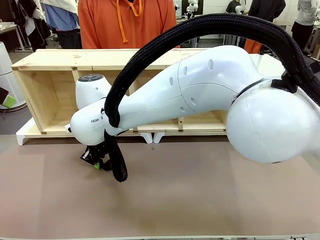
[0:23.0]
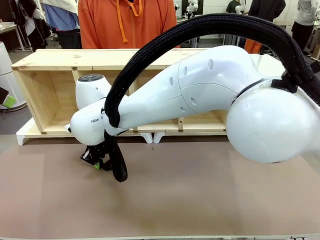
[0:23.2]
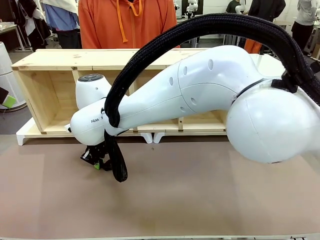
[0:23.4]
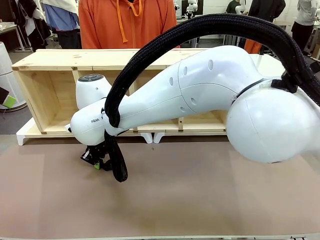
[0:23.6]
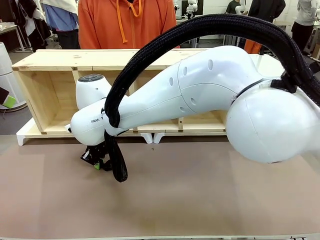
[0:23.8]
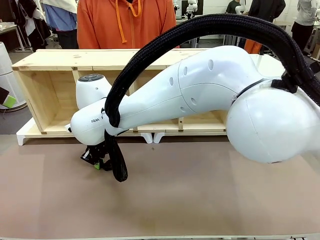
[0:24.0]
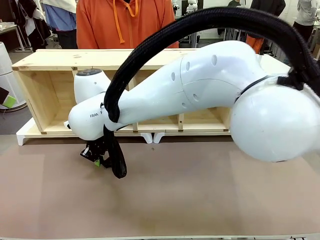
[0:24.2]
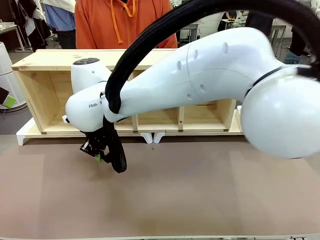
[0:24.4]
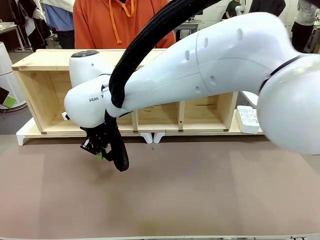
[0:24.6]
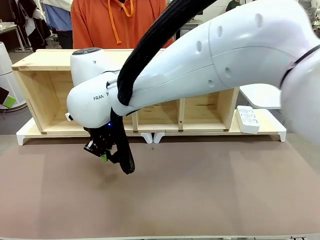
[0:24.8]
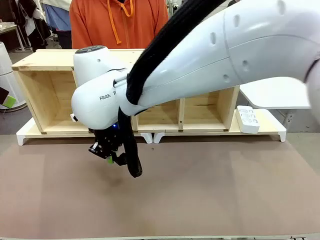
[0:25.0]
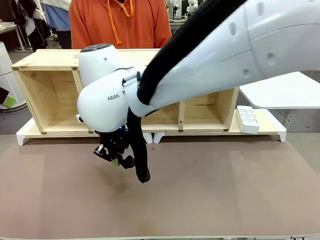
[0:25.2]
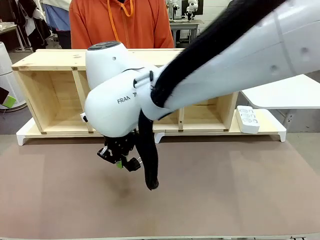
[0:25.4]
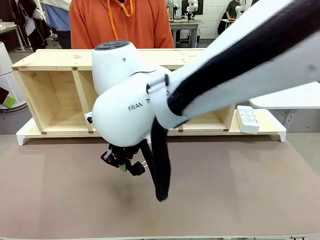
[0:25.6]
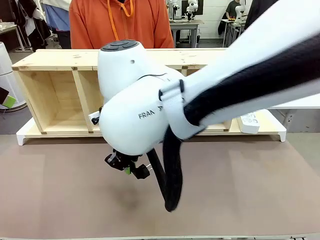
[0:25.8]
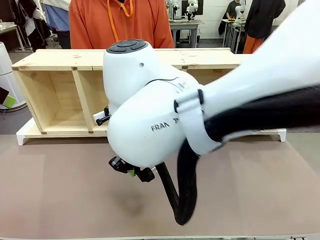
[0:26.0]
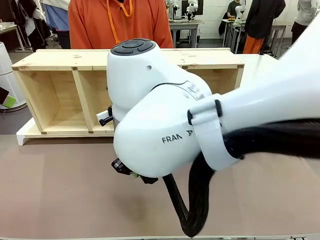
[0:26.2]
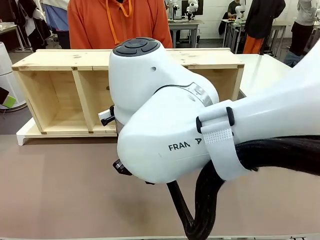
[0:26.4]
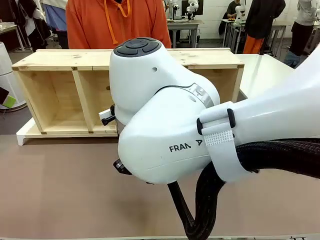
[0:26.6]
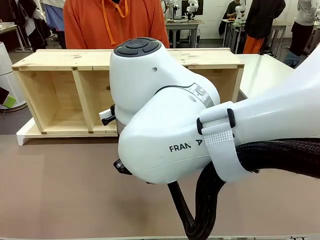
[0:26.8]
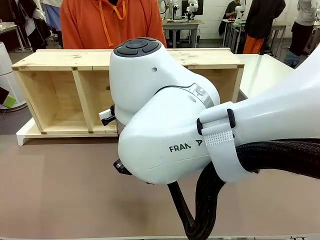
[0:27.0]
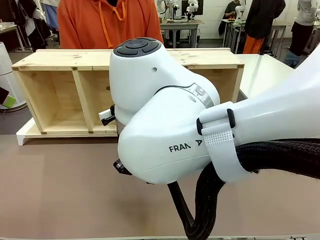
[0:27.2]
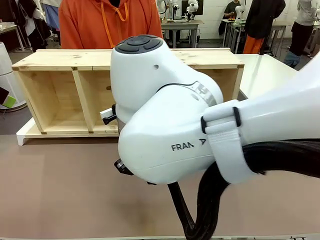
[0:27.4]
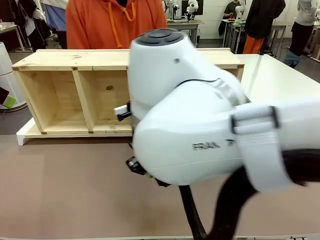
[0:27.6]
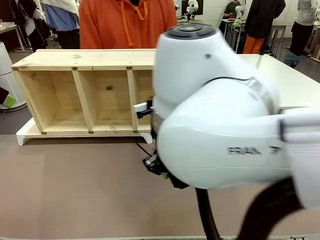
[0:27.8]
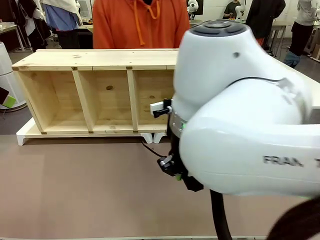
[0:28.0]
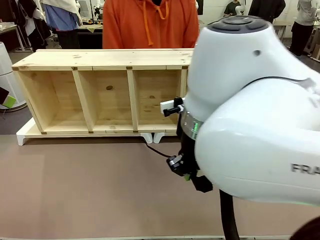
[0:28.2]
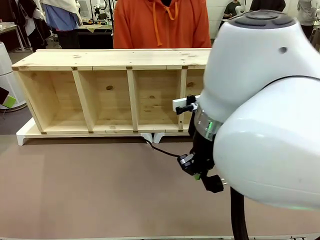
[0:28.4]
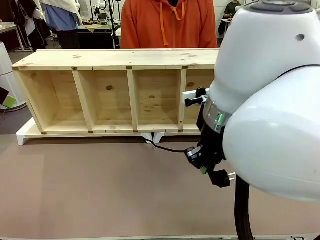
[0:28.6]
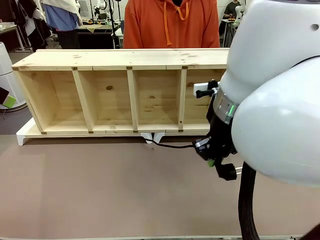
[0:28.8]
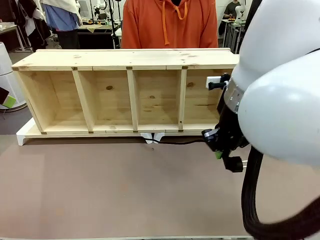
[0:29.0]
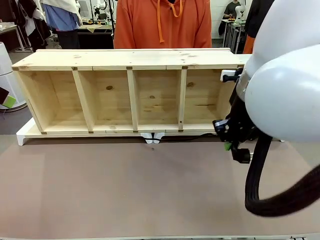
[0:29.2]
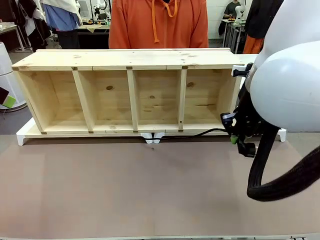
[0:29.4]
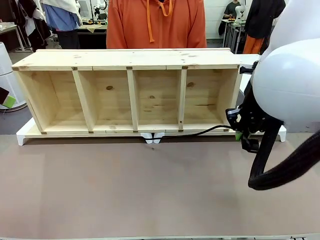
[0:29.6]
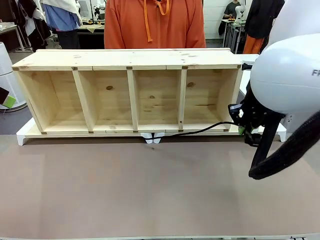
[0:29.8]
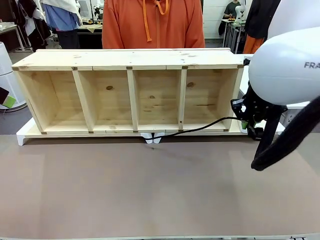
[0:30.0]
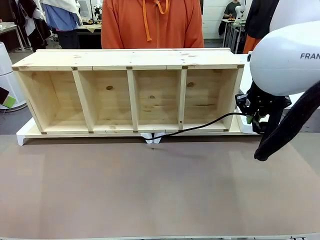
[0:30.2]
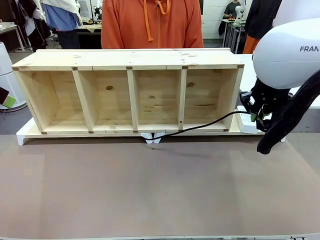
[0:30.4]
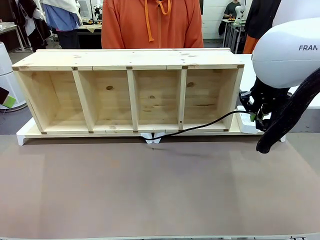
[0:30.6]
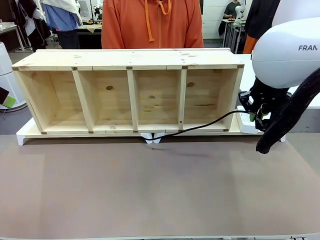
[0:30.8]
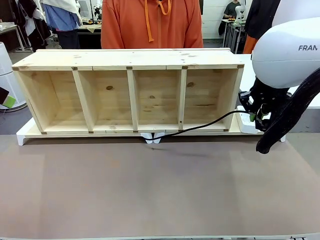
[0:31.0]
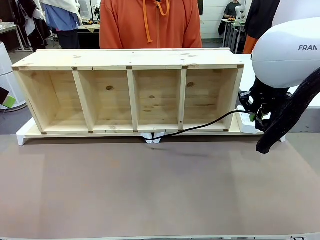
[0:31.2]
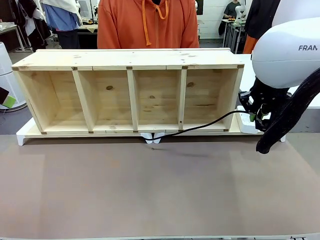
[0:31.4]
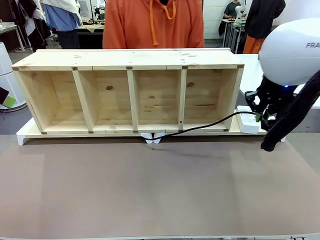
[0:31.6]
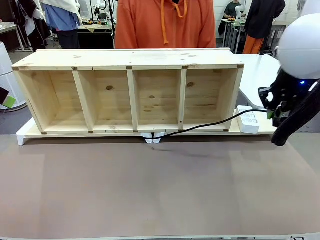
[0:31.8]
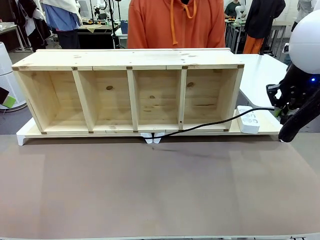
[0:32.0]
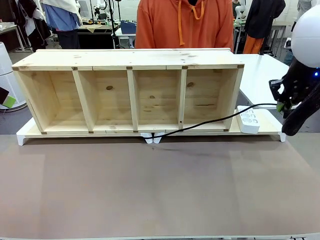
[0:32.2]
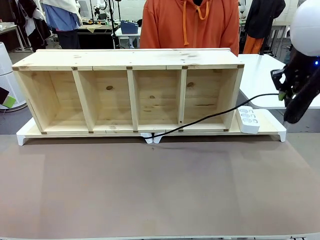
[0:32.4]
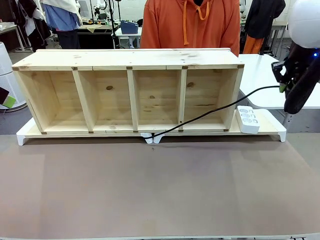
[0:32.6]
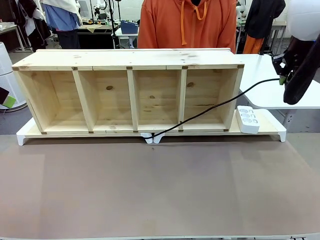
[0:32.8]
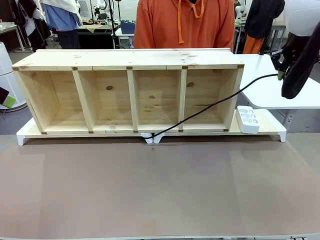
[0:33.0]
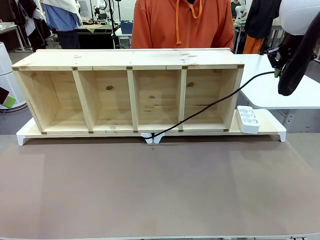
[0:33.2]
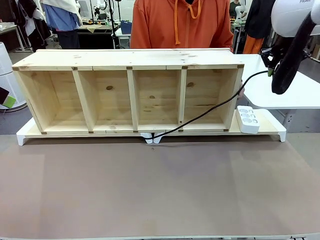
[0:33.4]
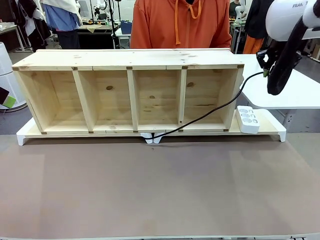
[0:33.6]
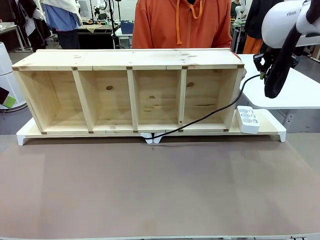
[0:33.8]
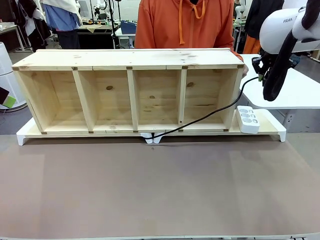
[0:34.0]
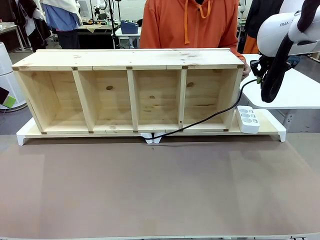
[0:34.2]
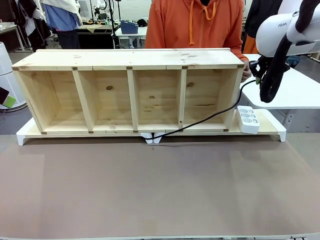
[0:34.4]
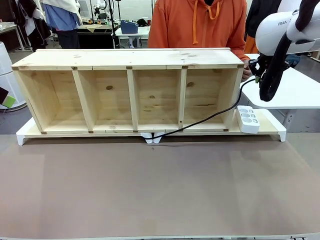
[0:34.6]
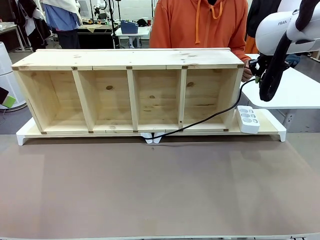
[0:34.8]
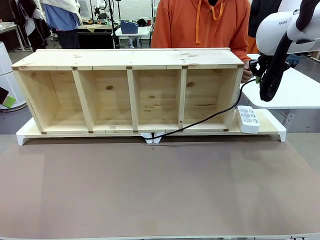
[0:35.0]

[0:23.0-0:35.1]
Task: Perform cable management.
Robot: Pull the grasped Power Cable to the location of the Power Strip.

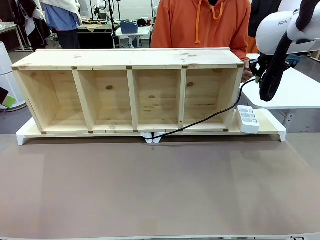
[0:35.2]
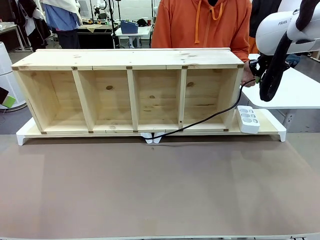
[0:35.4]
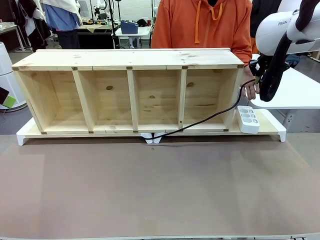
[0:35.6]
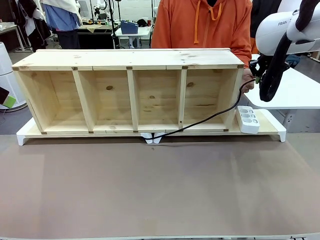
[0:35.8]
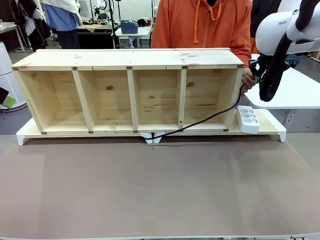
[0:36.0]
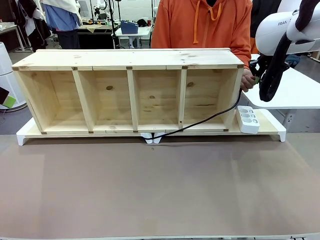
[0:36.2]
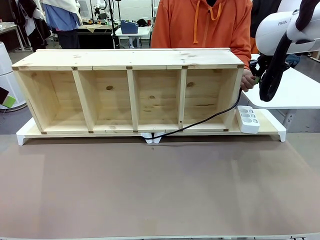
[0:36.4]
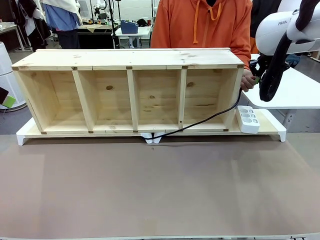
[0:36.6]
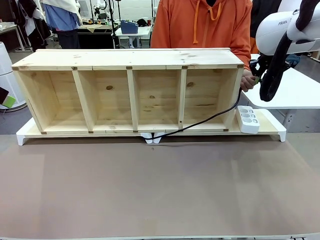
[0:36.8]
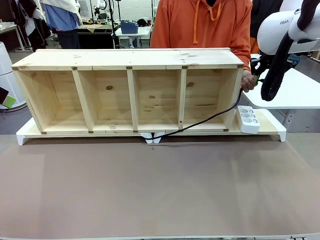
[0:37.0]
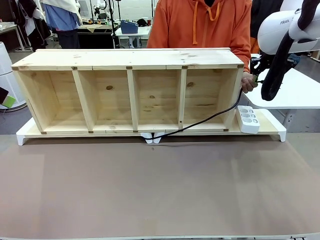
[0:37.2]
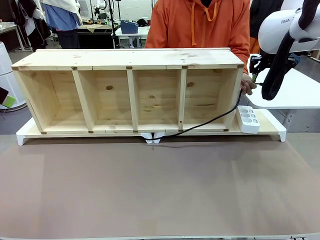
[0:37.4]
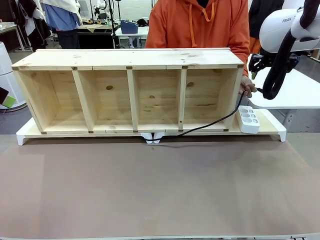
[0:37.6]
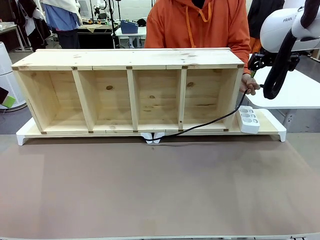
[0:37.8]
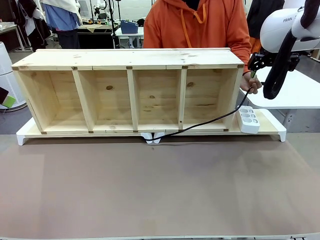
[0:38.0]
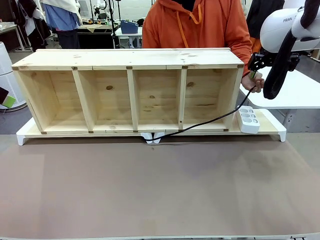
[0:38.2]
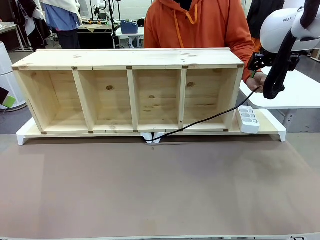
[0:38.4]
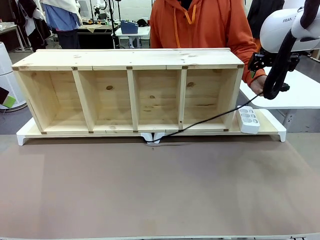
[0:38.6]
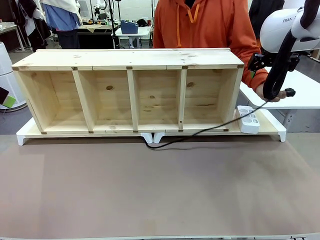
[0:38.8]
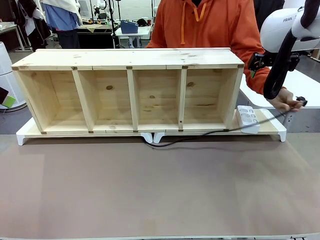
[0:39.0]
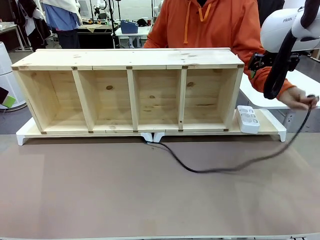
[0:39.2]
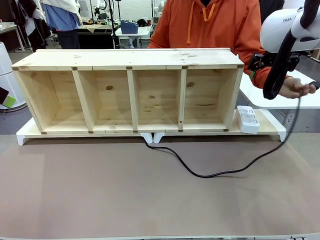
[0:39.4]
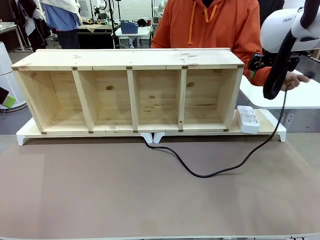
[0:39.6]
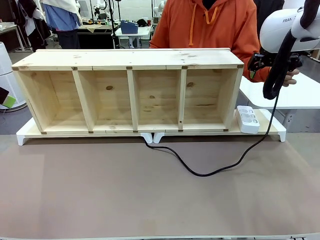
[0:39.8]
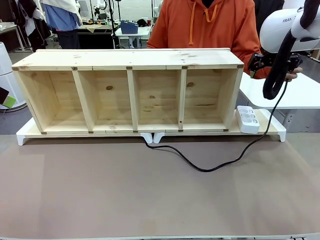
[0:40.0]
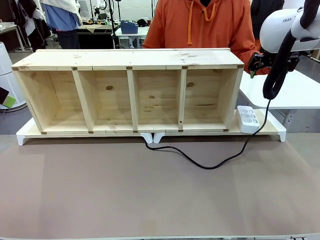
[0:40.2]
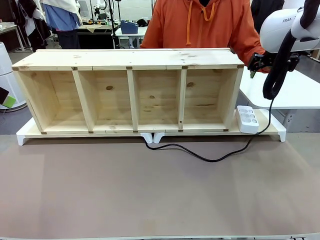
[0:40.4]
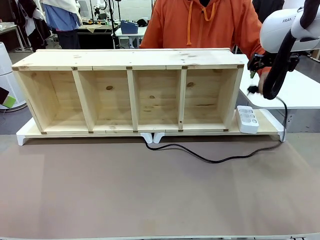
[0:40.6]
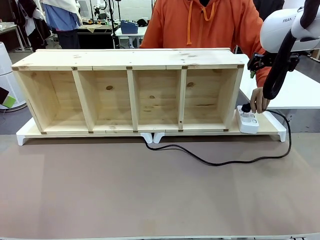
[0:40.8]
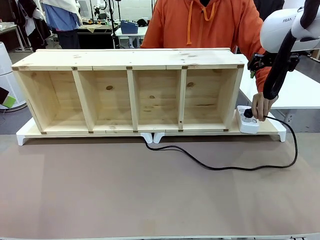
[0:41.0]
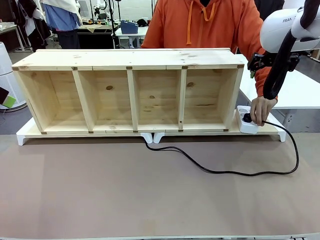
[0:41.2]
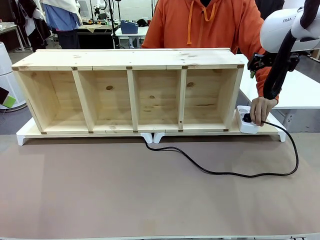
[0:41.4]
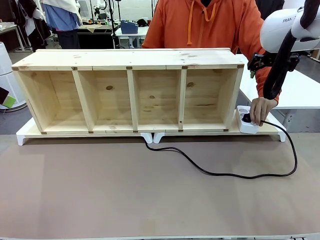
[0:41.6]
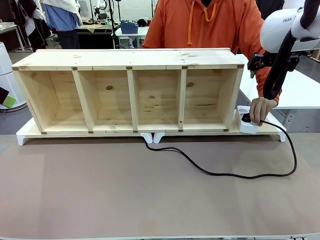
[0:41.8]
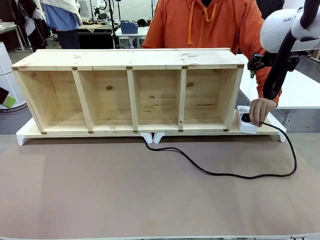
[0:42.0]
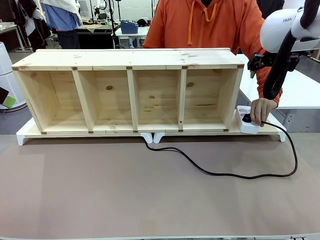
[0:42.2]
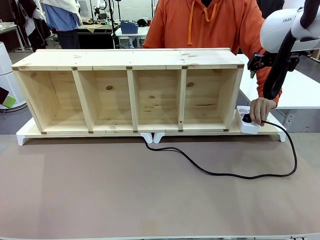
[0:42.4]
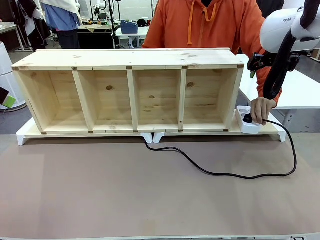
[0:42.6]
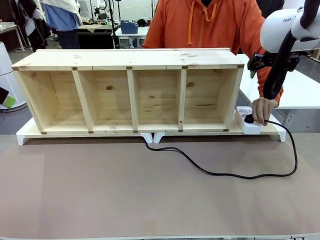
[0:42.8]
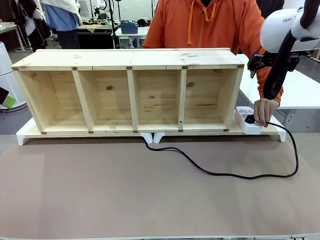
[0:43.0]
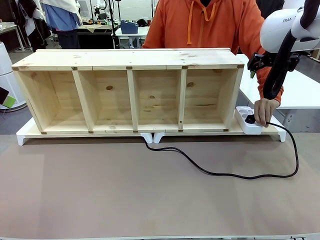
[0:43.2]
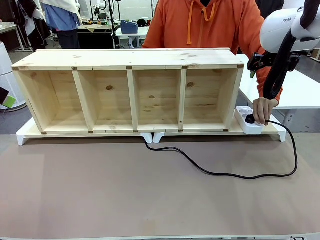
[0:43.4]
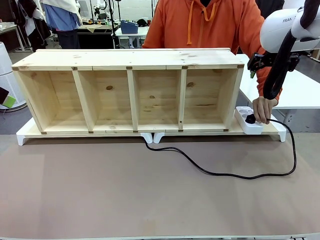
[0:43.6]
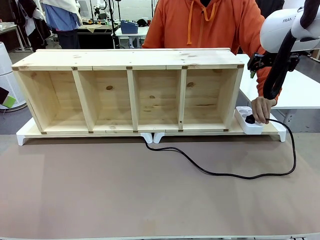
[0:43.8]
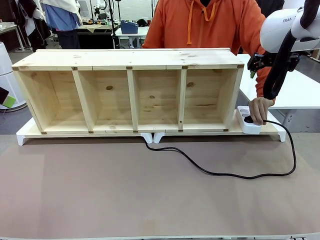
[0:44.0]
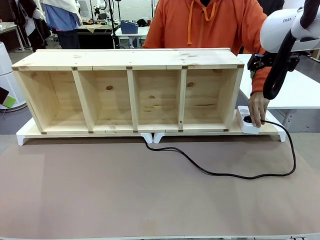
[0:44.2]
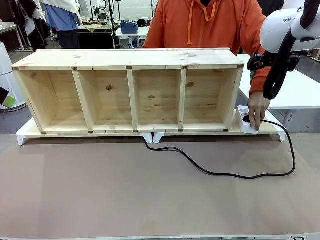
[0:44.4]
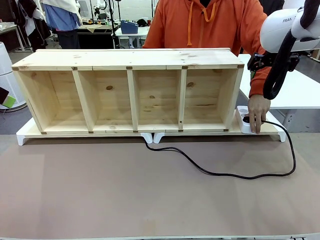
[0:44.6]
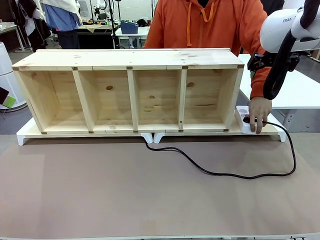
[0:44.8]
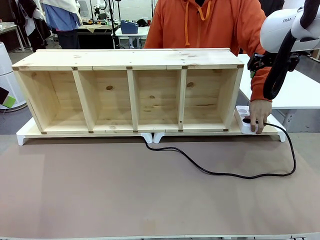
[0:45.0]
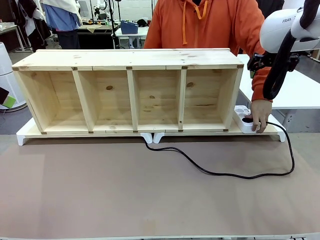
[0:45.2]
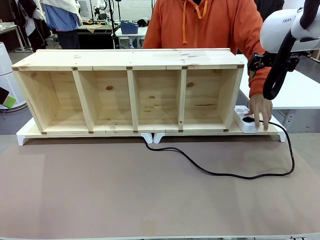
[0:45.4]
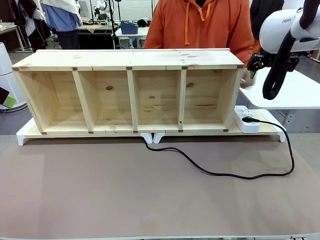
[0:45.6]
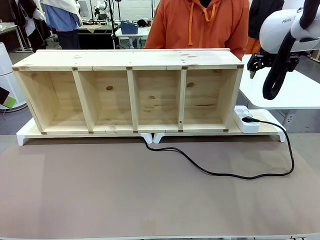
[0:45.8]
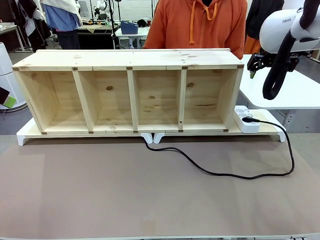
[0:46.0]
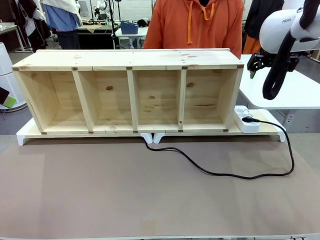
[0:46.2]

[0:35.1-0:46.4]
Robot: Release the Power Cable when the human grasps it.
Person: Plug the Power Cable into the Power Strip.
